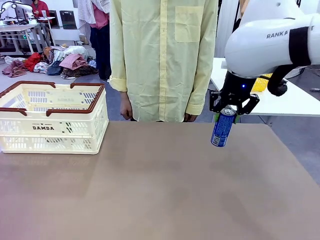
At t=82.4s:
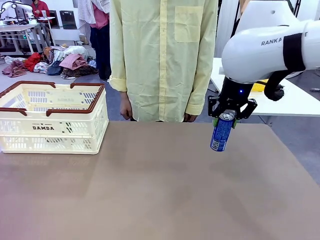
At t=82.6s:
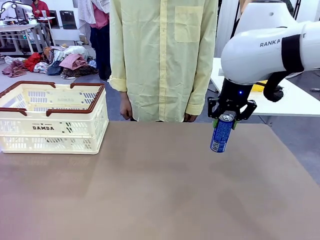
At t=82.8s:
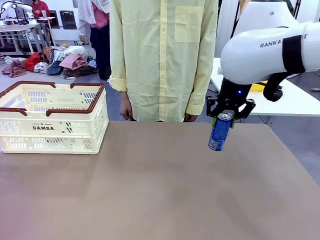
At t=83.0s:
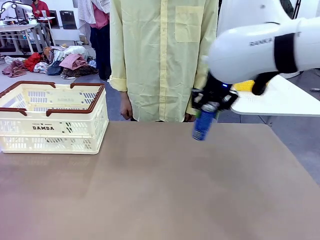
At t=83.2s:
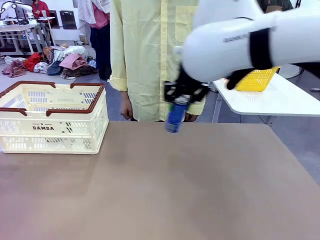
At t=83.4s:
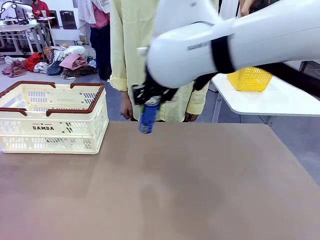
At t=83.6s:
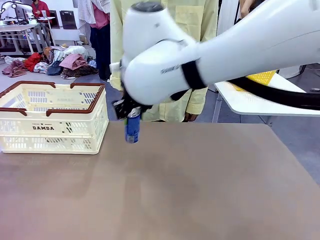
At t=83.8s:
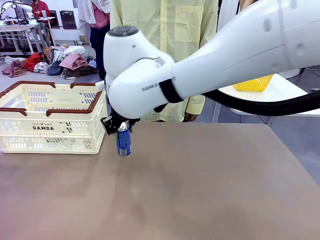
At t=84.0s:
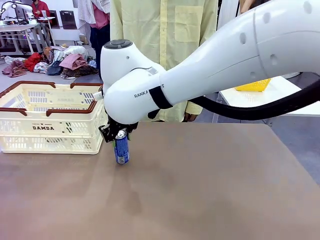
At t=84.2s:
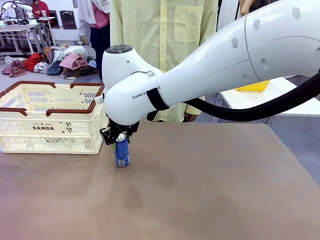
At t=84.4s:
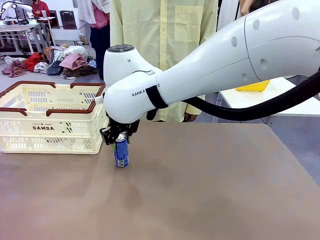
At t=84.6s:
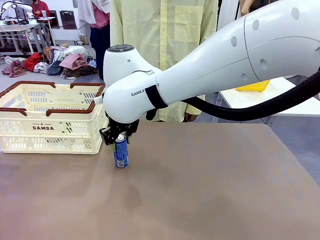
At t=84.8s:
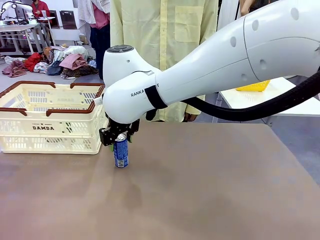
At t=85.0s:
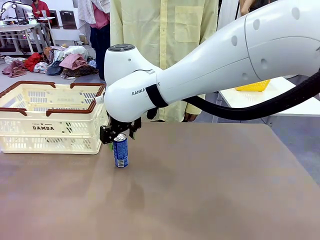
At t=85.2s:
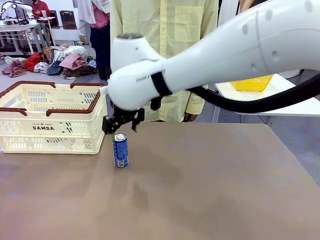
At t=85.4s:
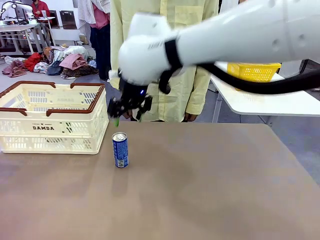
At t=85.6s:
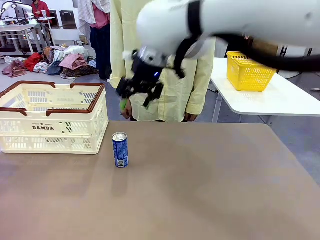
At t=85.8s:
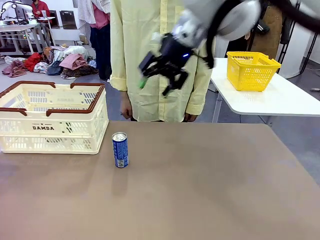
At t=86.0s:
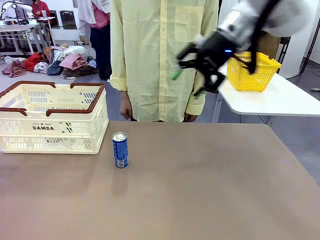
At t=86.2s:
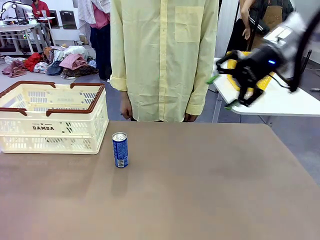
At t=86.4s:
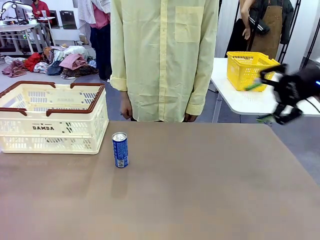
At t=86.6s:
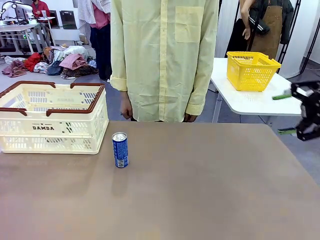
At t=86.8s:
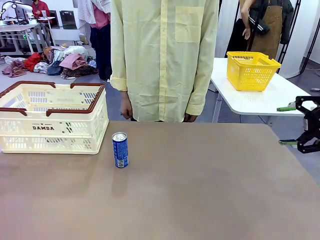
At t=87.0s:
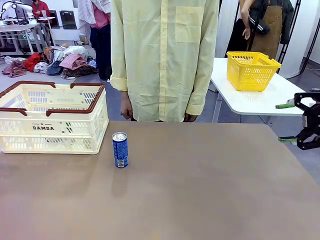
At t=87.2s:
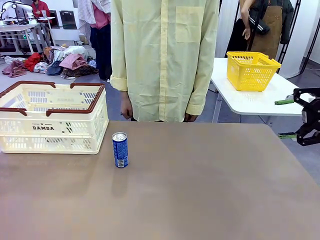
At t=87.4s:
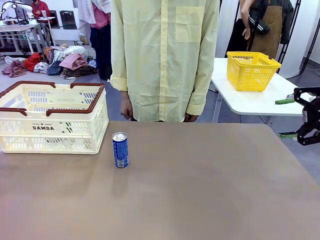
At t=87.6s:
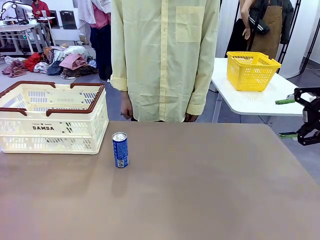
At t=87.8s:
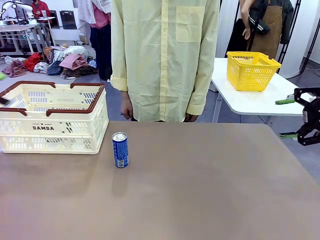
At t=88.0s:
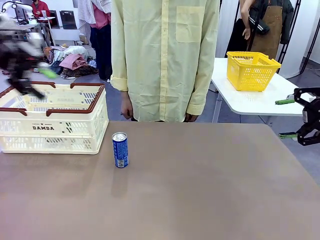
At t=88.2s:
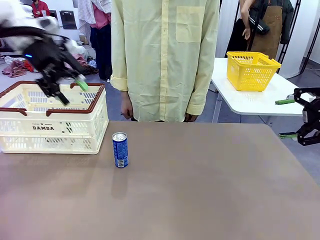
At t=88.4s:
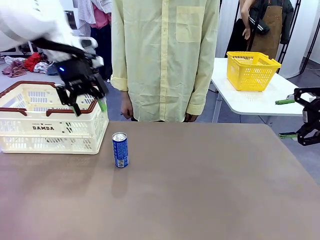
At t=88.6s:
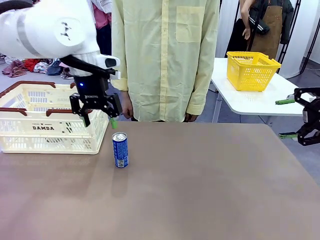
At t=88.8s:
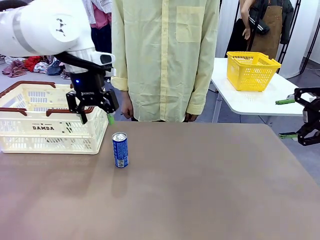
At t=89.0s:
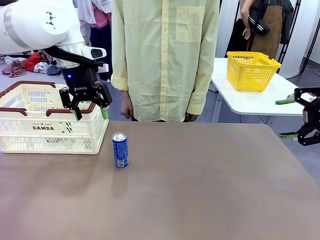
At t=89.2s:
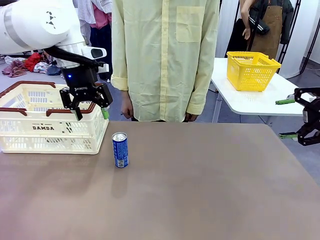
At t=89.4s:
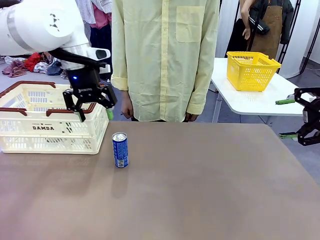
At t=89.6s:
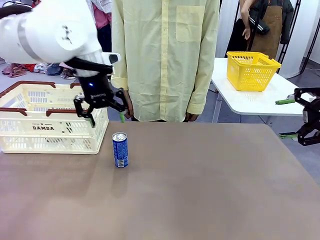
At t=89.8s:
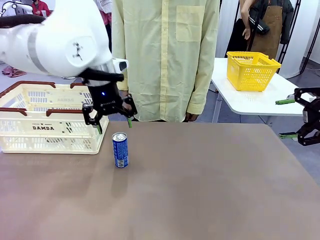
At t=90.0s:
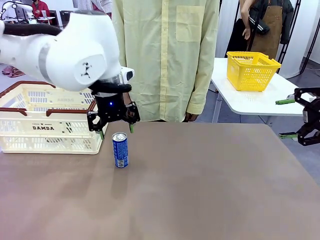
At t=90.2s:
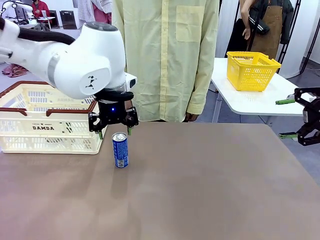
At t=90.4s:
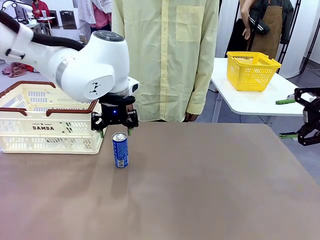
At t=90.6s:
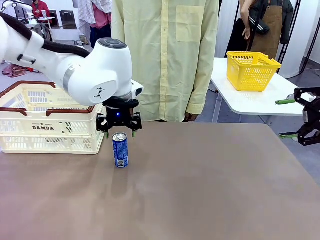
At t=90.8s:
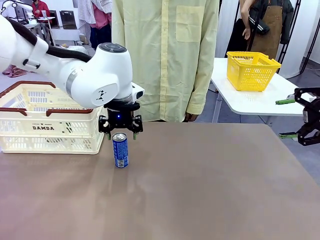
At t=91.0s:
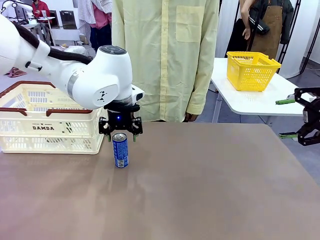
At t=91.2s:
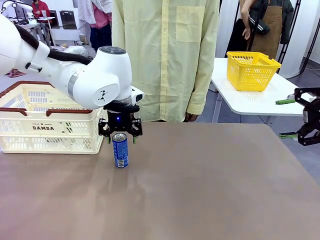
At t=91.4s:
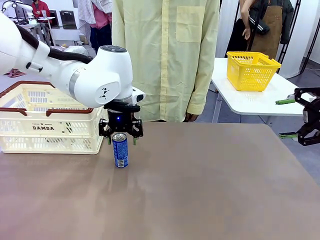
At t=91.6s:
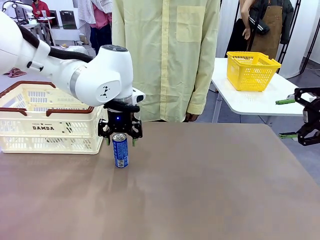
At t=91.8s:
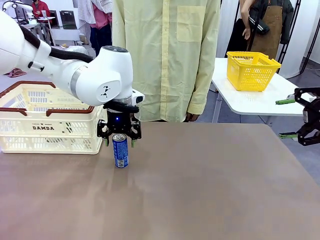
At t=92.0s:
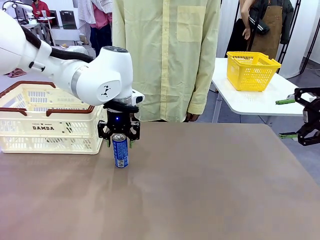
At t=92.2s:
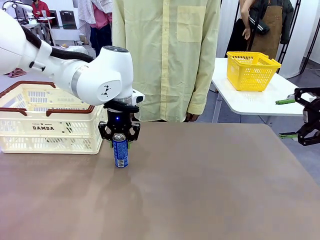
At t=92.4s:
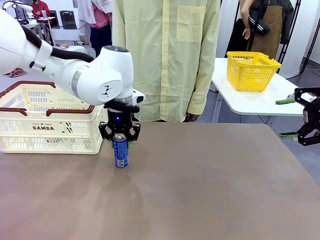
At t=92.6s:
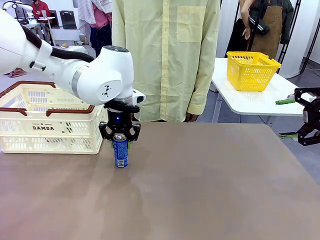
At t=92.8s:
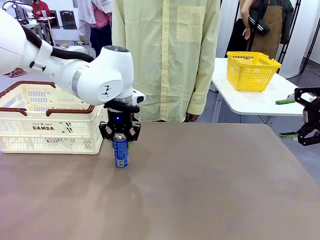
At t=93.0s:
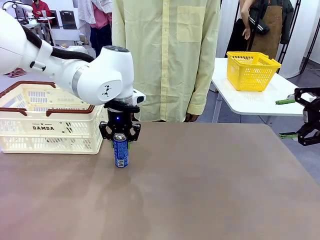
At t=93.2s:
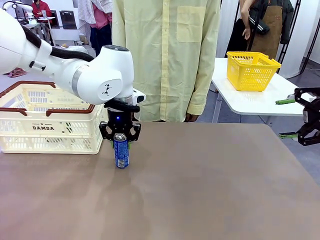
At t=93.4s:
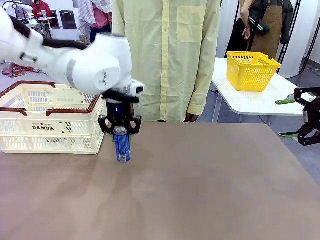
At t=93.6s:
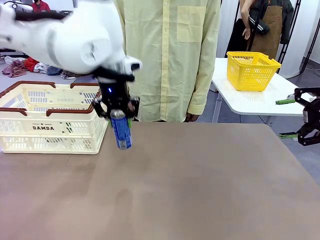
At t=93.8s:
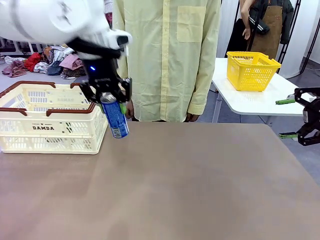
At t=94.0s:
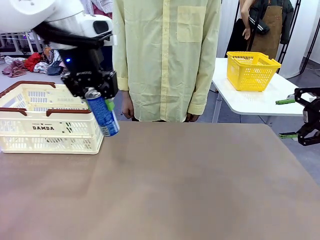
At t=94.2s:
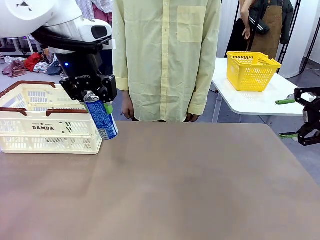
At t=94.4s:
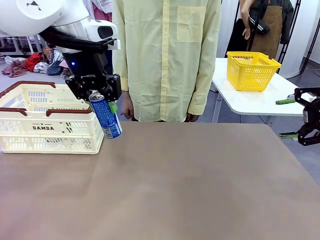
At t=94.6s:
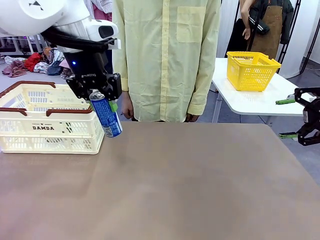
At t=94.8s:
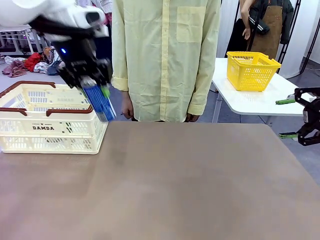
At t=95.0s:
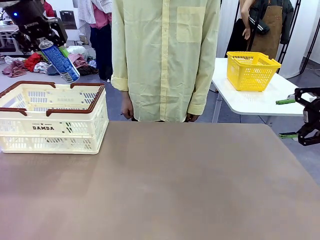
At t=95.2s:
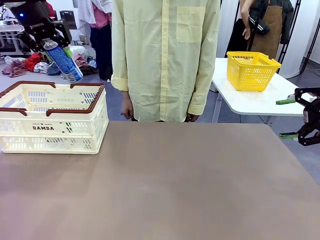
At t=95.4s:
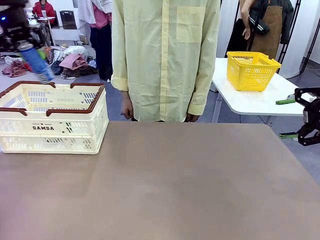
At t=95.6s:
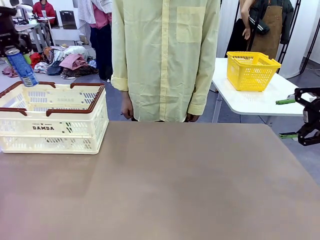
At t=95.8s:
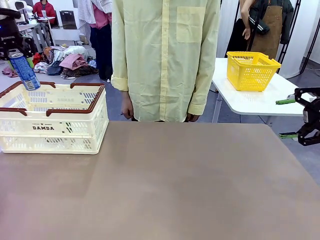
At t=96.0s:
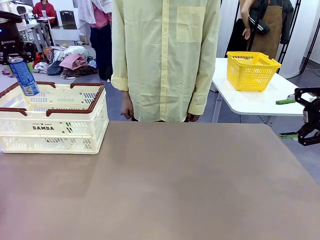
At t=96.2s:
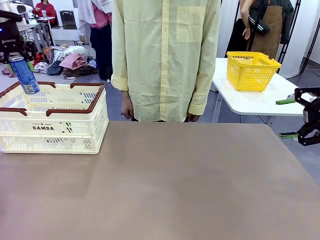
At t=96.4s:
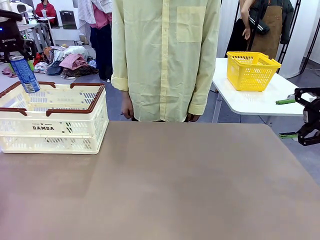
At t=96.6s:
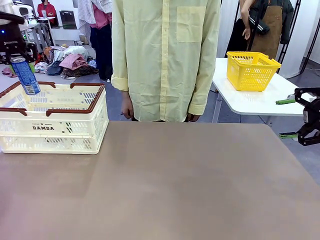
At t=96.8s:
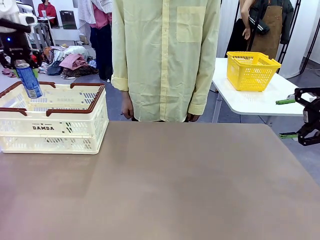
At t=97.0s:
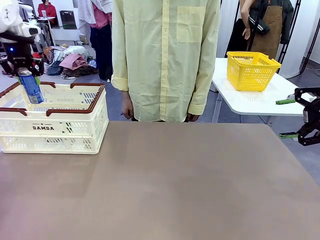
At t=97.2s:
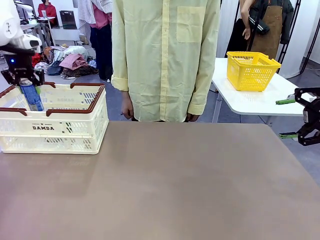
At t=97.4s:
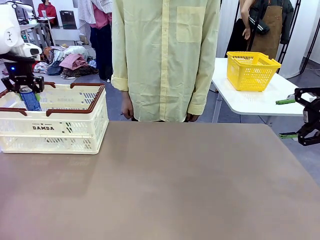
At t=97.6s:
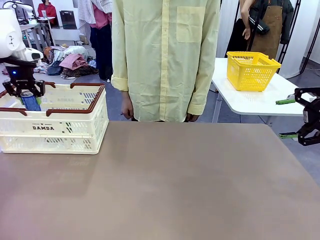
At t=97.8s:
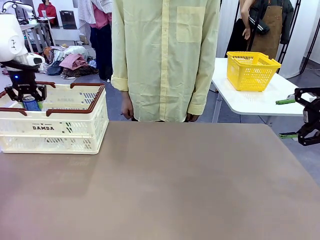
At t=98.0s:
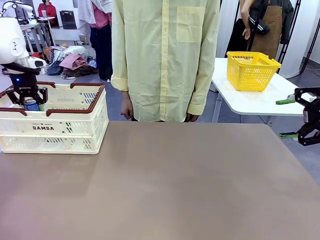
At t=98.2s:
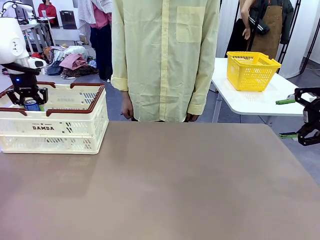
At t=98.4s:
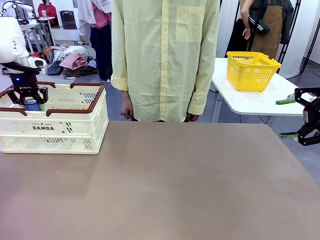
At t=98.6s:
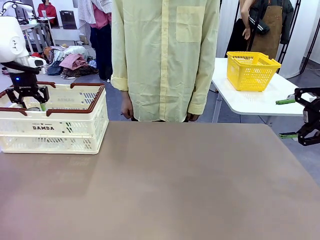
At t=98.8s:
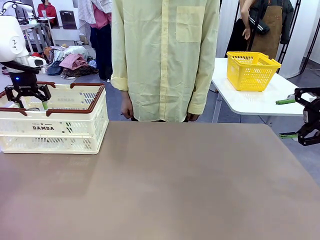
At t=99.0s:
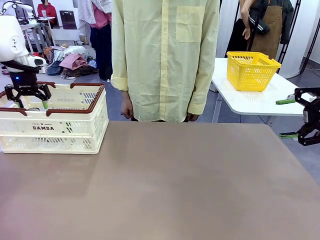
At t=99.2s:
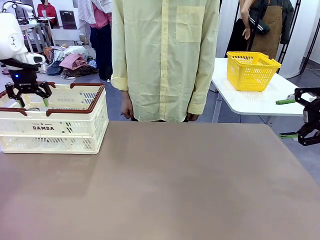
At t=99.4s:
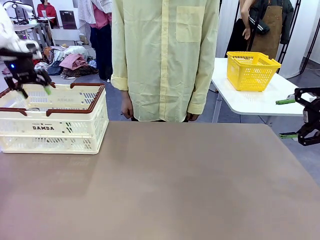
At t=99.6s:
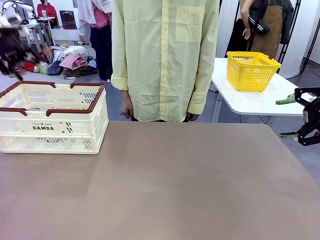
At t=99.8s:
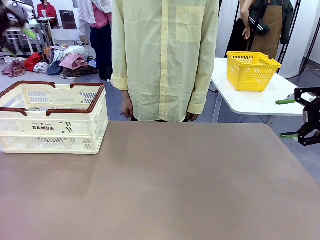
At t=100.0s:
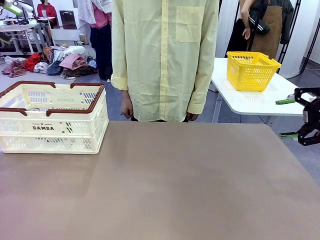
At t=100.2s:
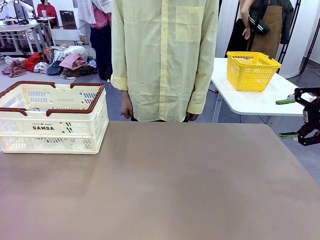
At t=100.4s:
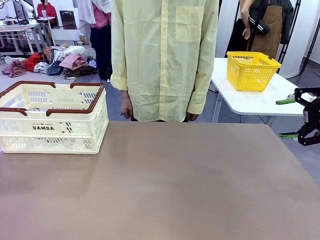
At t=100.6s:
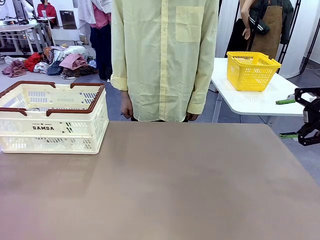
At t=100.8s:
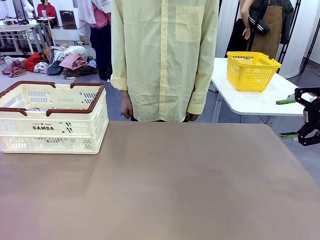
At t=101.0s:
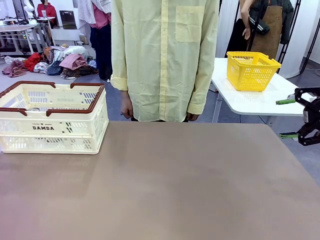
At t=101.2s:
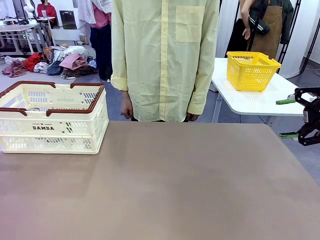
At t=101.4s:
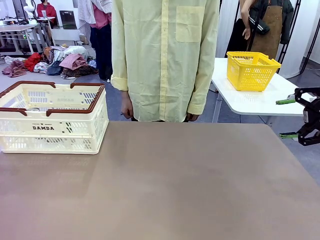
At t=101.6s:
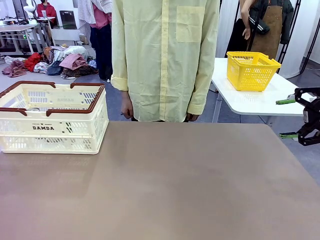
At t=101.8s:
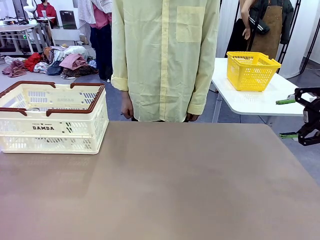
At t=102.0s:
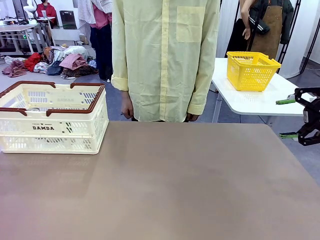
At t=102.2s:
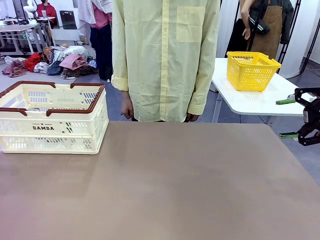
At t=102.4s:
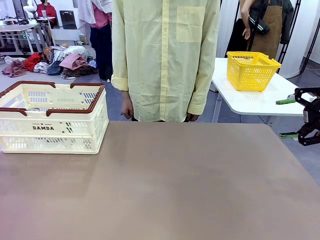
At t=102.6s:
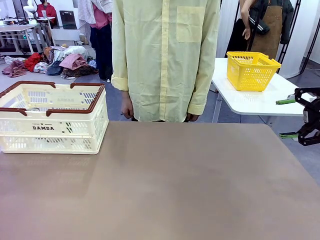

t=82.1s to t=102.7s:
Task: Place the drinks into the Shopping basket.
Robot: Pick up one drink and place it into the Shopping basket.
